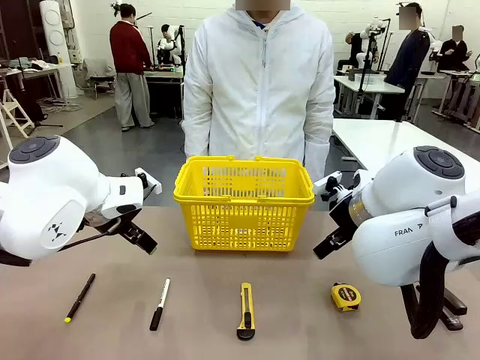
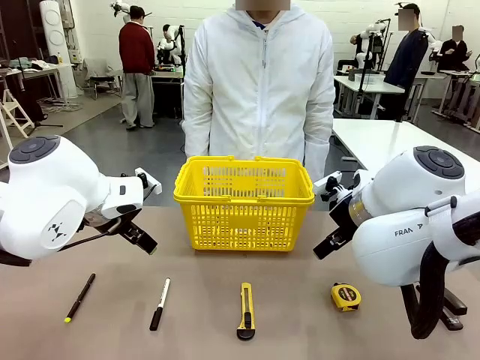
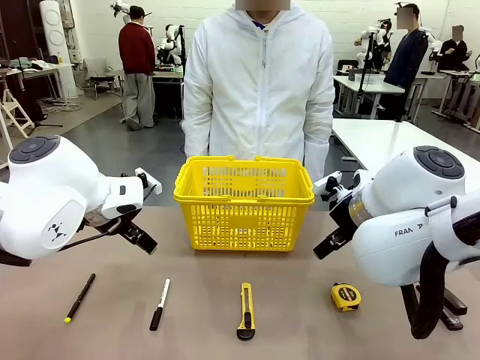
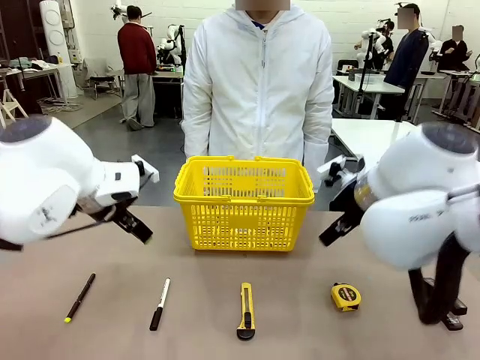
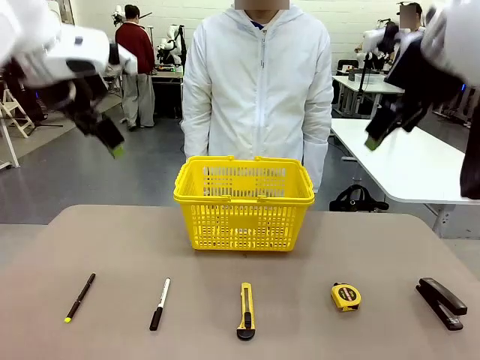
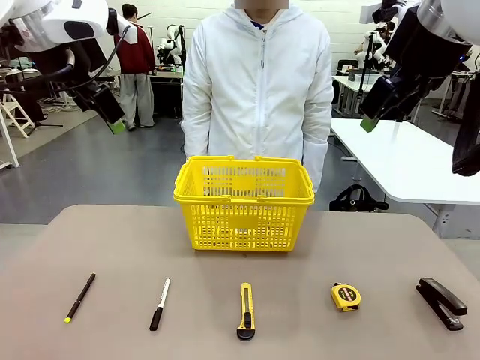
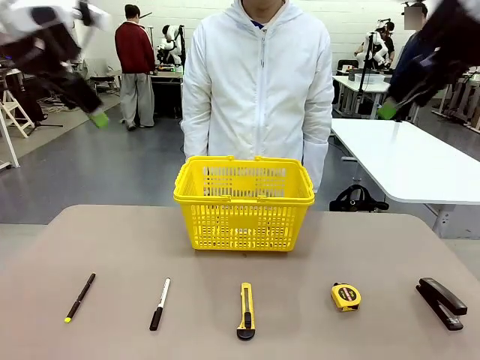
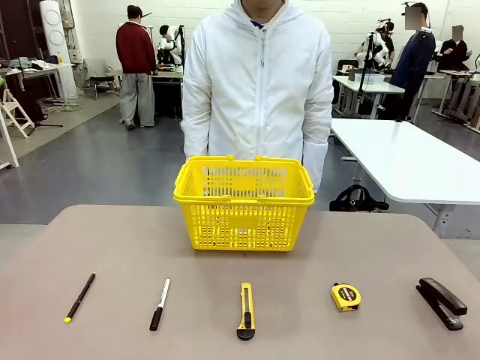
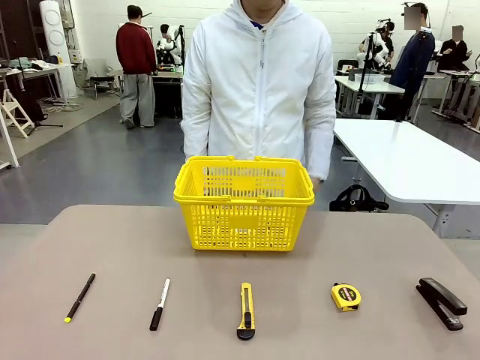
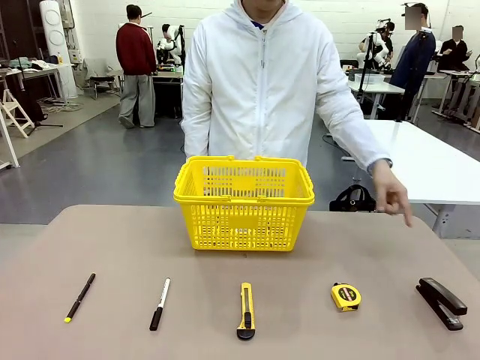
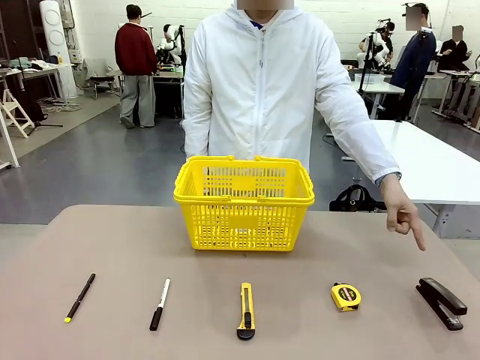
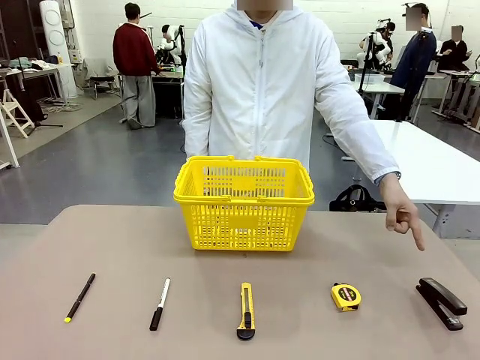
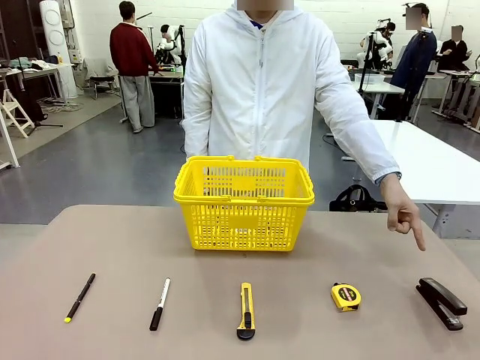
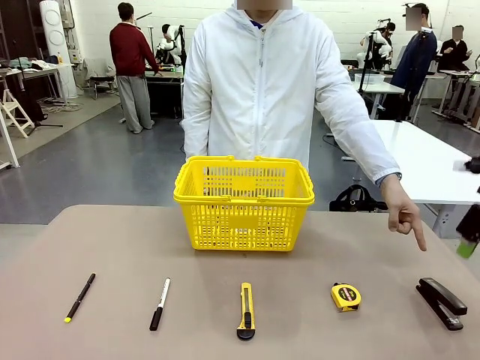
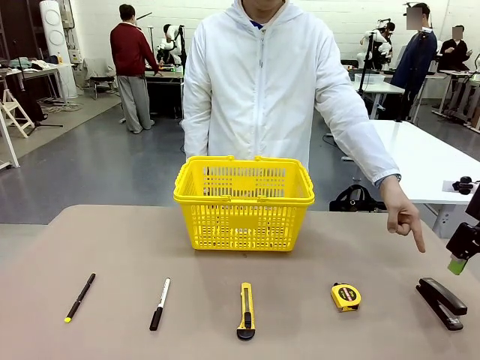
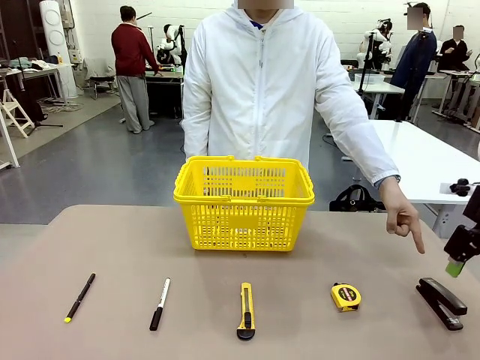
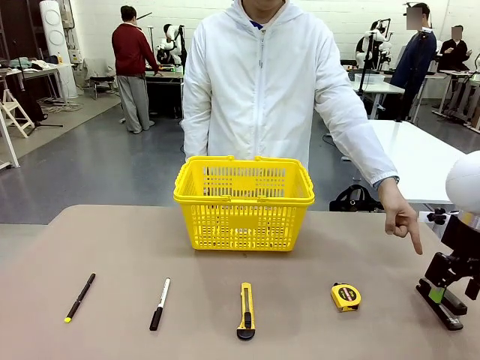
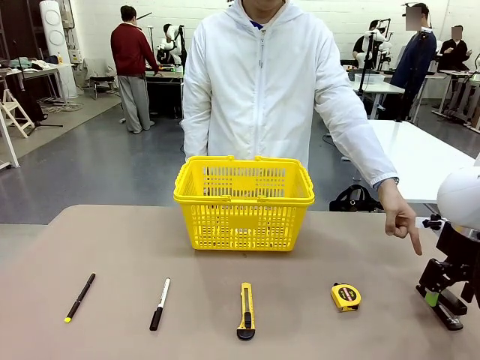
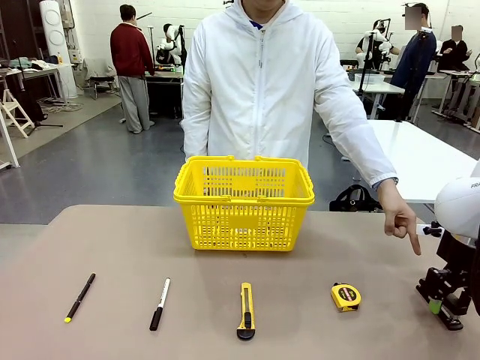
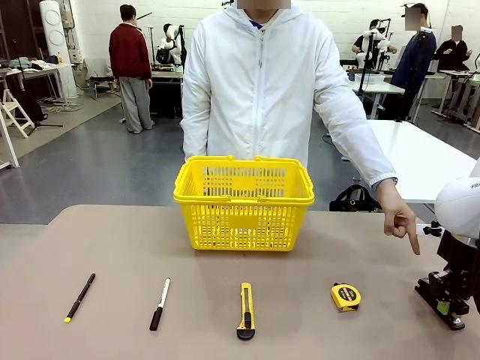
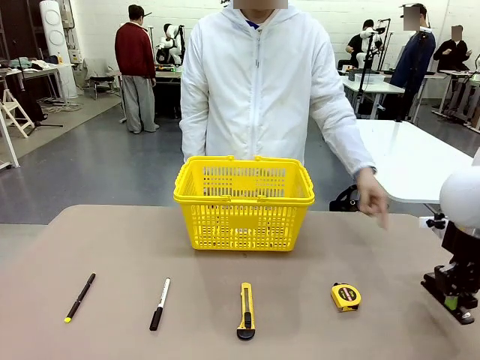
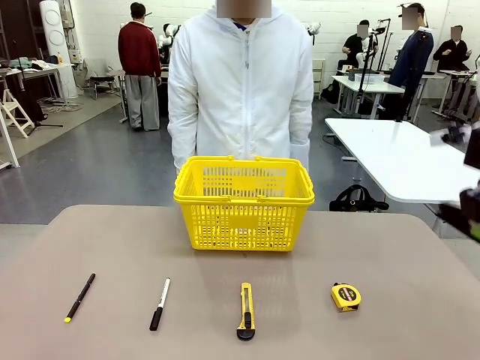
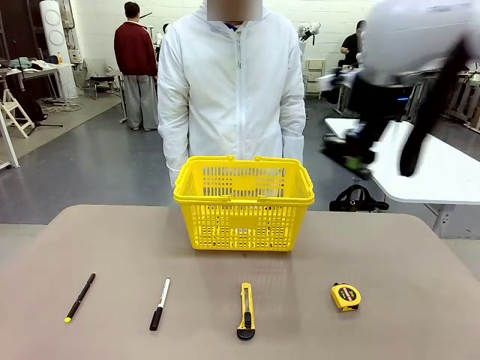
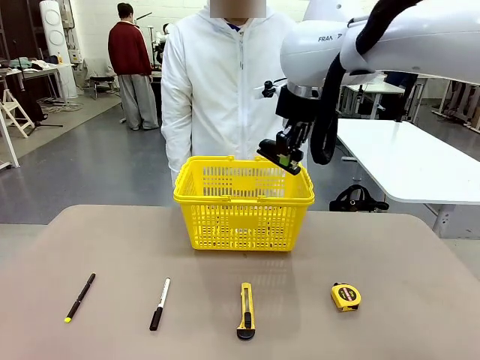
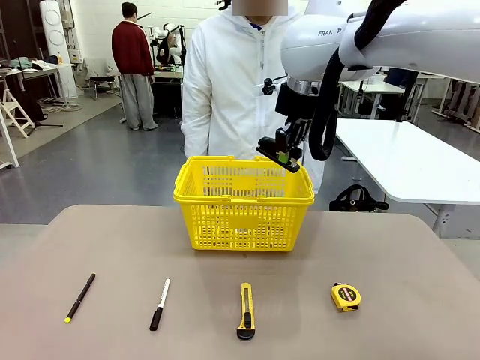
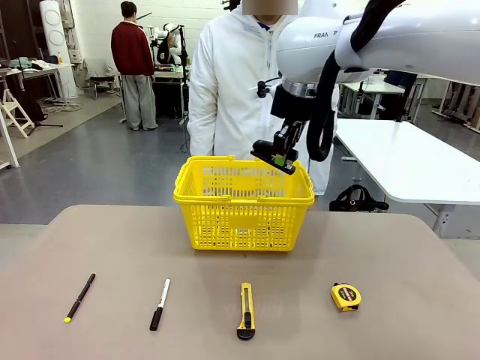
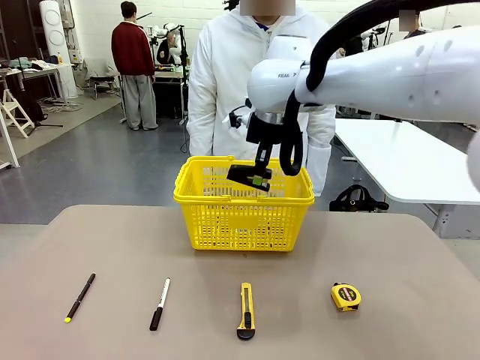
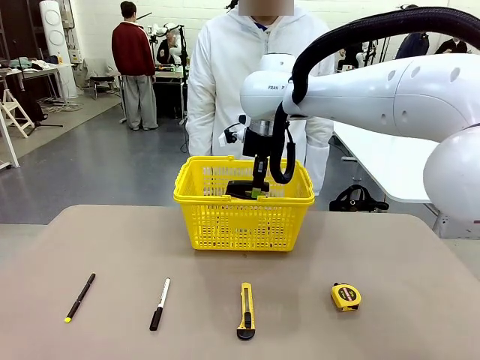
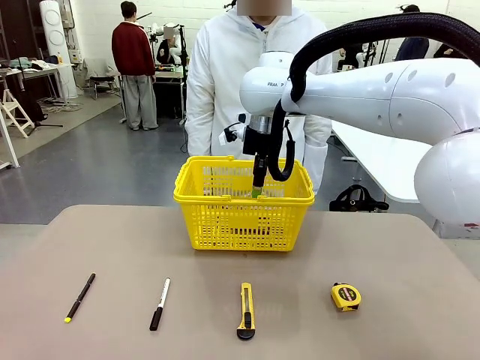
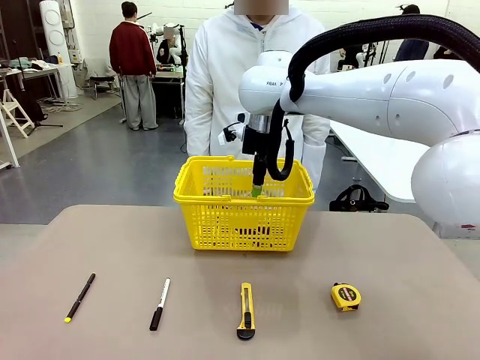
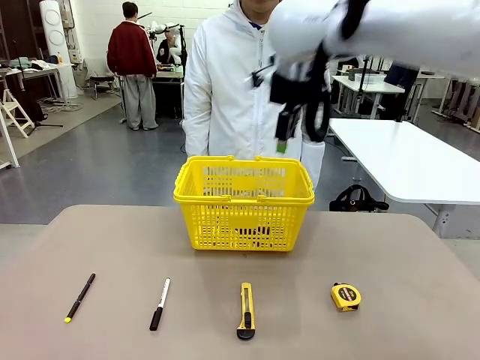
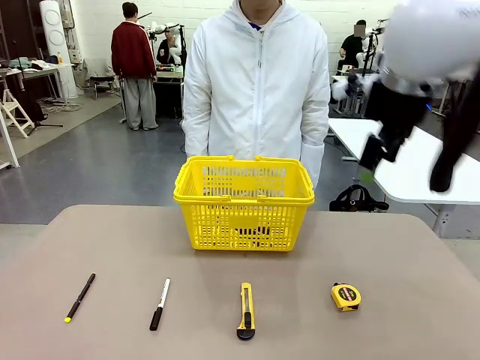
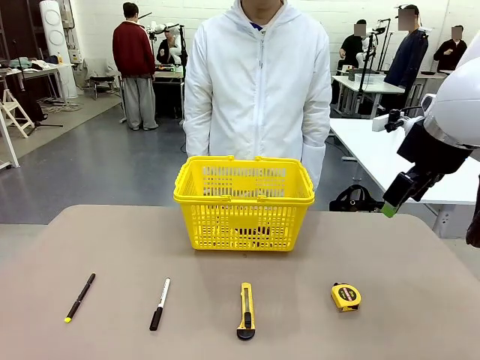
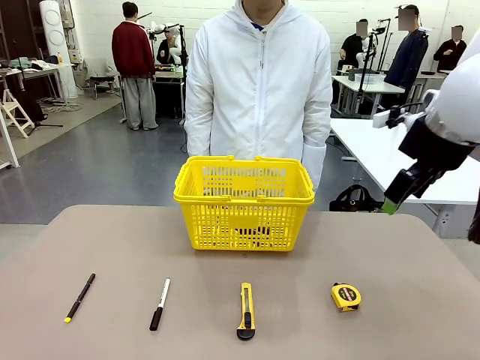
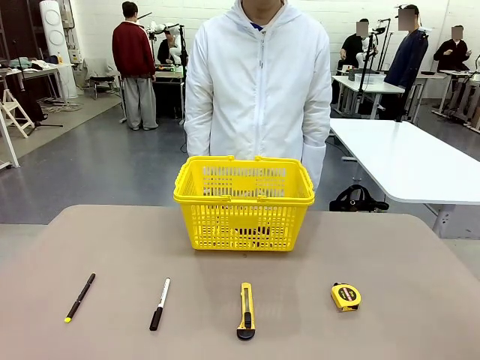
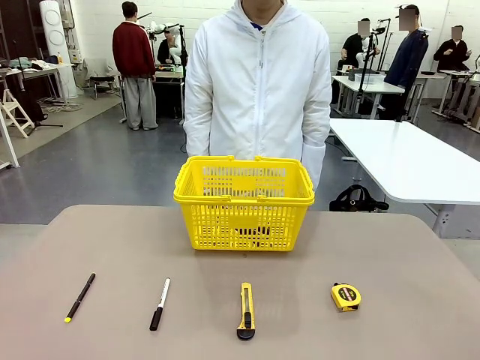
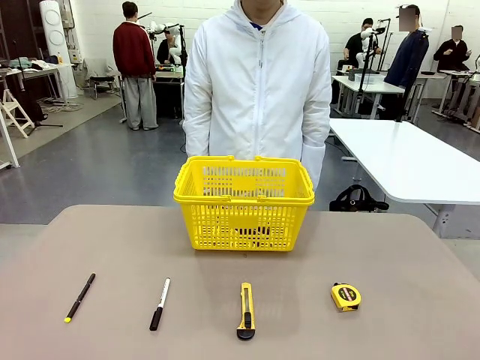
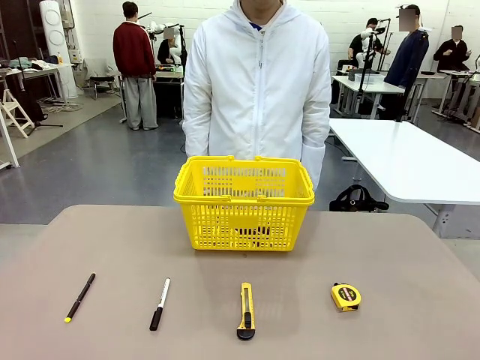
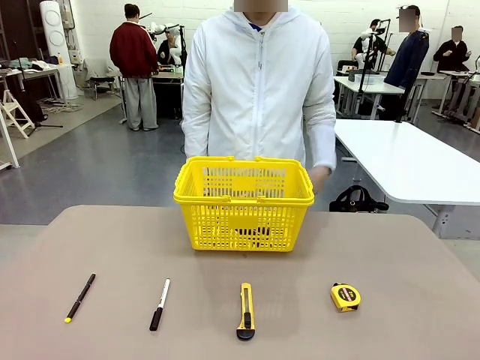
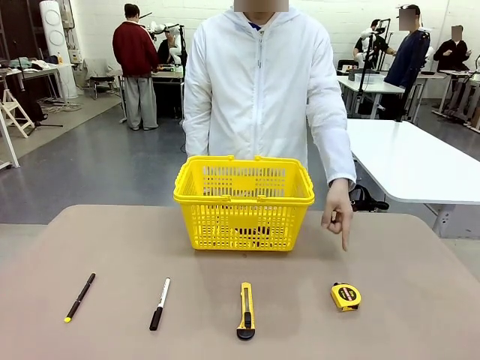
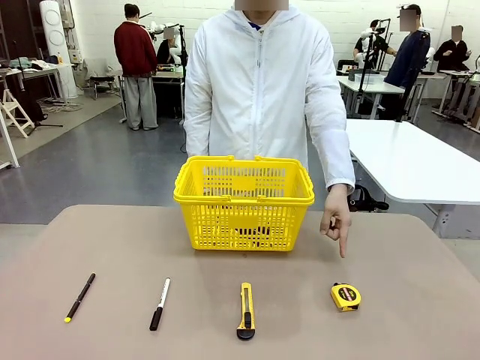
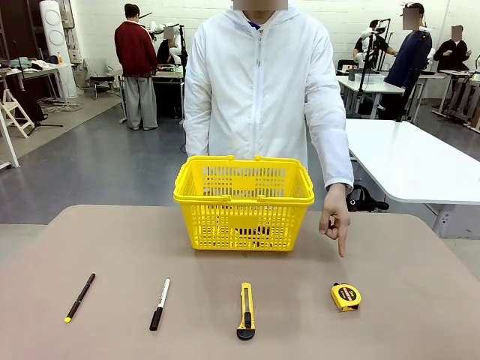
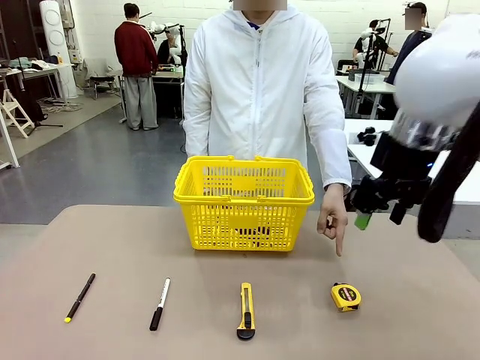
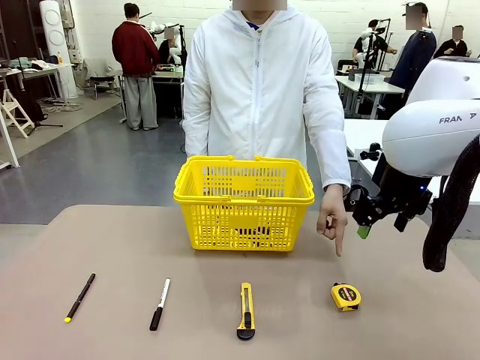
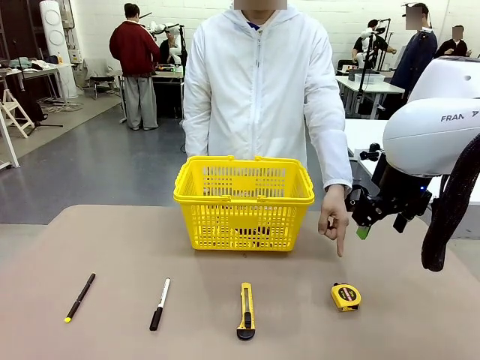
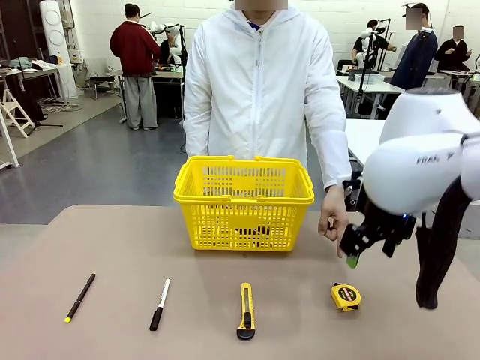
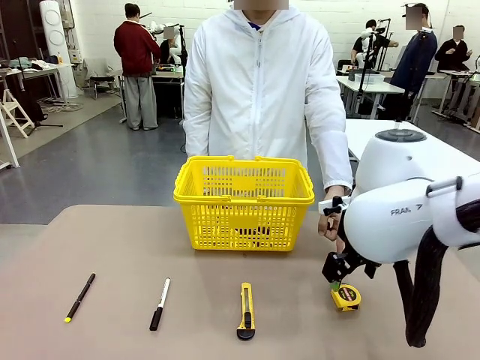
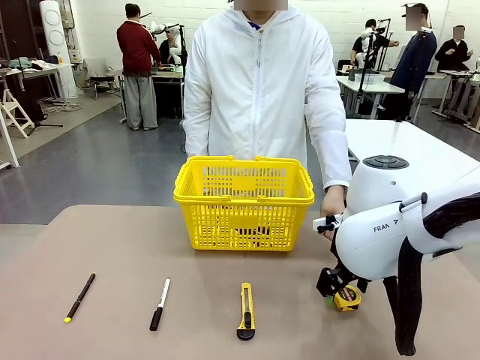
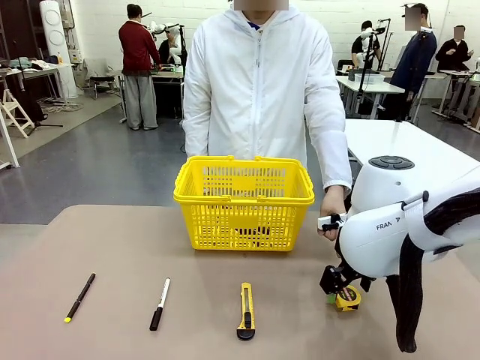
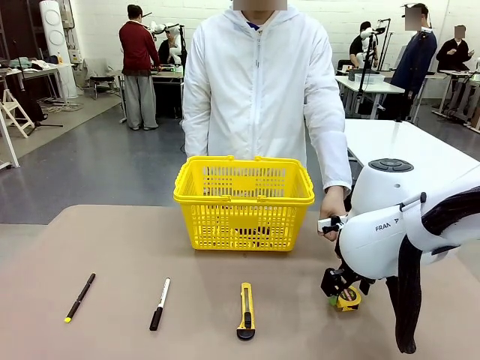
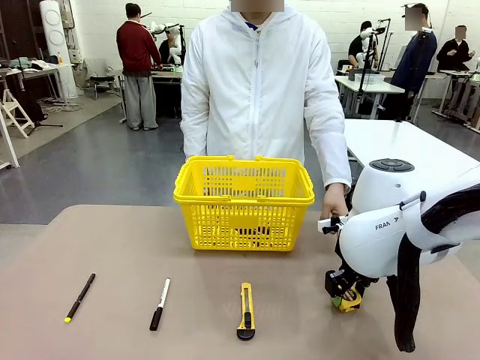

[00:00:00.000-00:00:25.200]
Task: Place the items the person wants into the basket.
Robot: Pick up the item the person points to and place it in the Market Basket.
